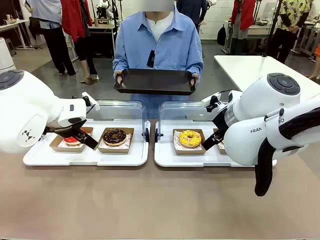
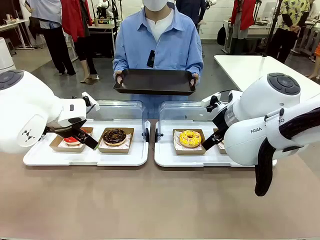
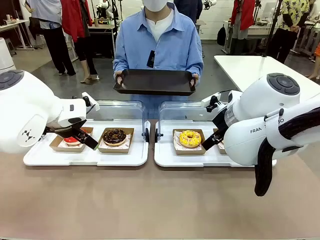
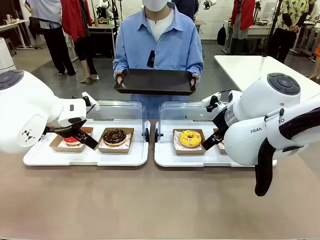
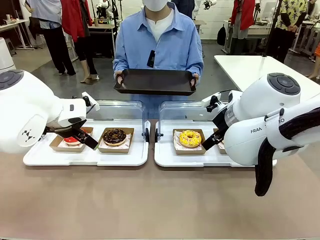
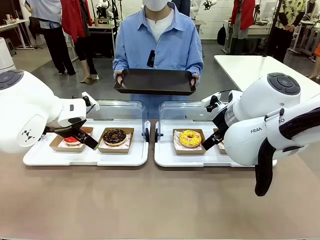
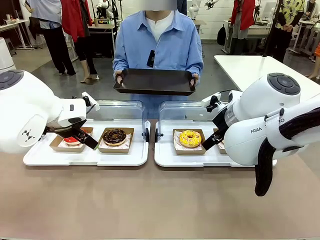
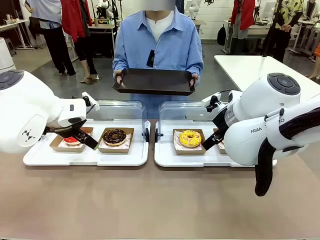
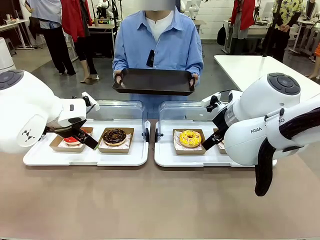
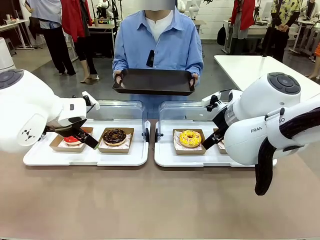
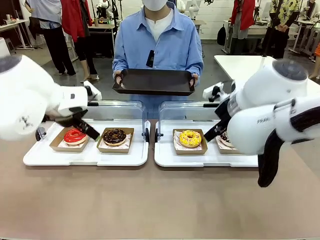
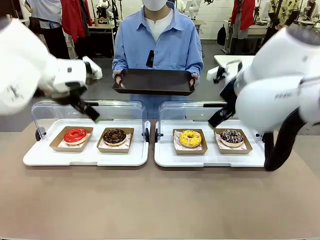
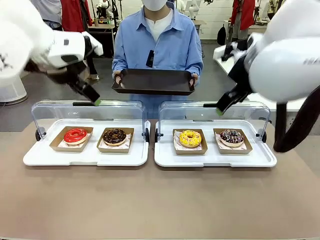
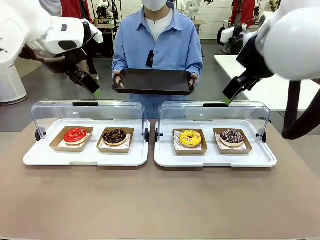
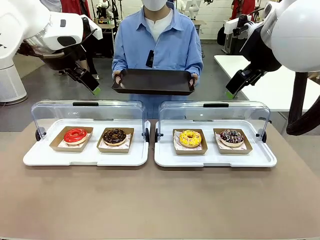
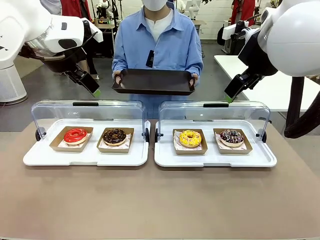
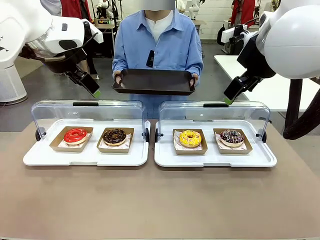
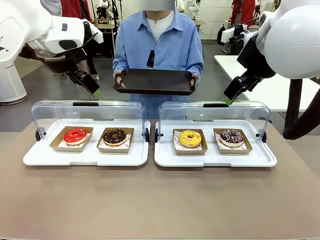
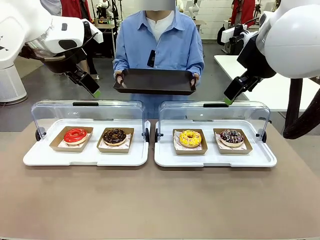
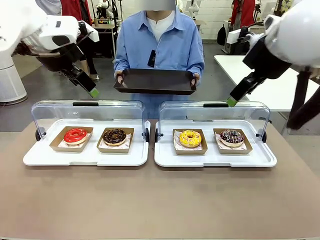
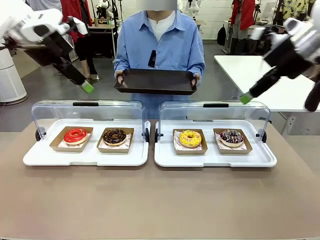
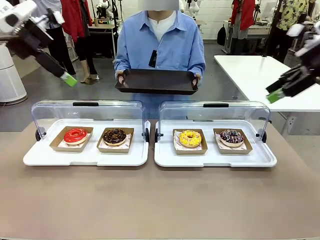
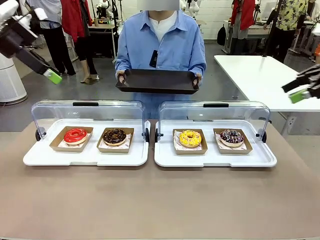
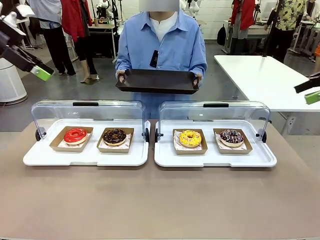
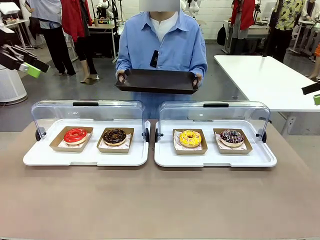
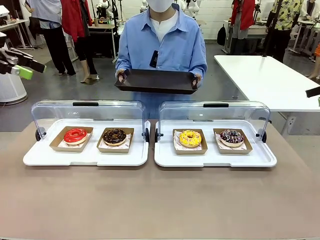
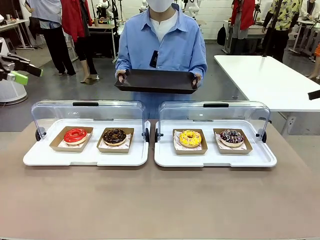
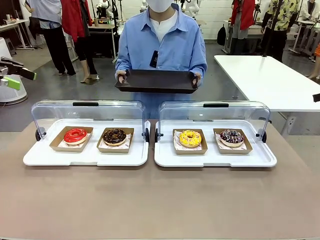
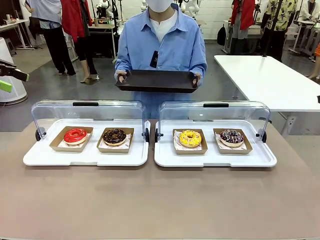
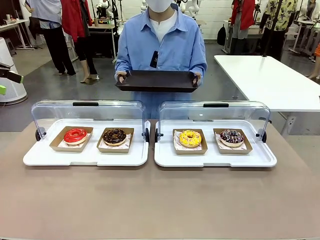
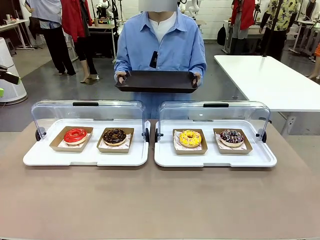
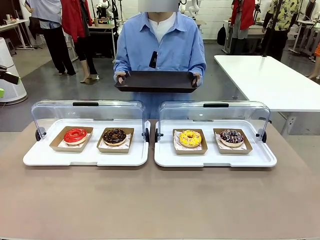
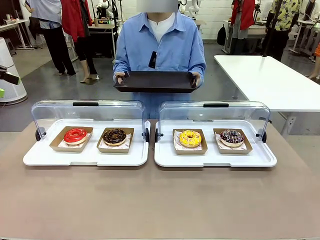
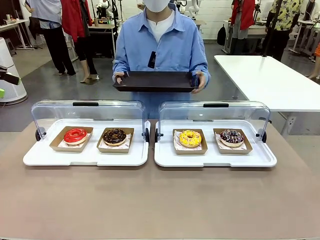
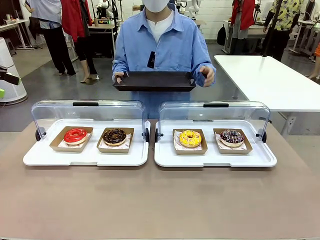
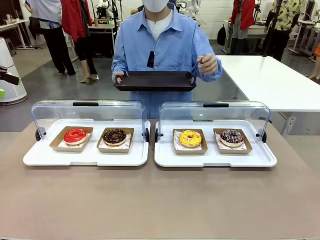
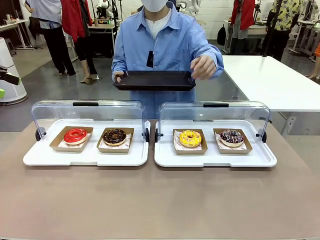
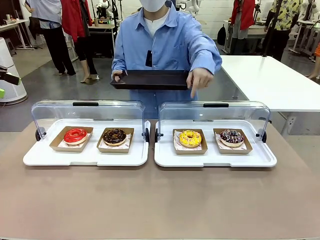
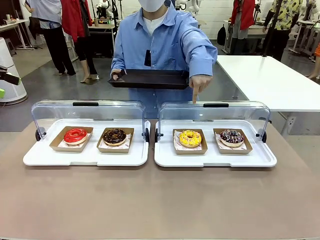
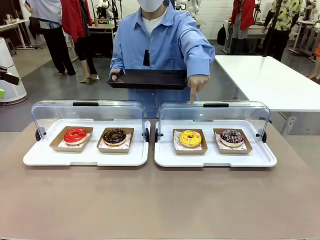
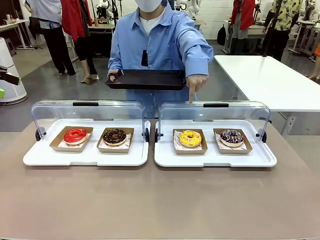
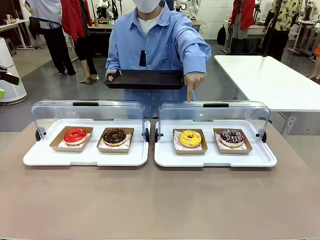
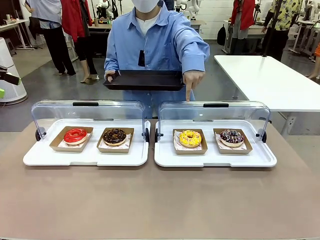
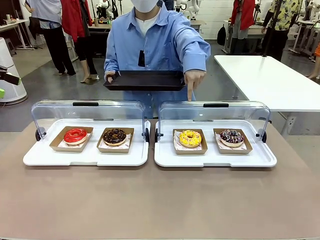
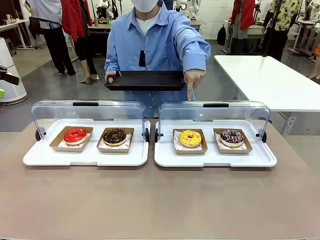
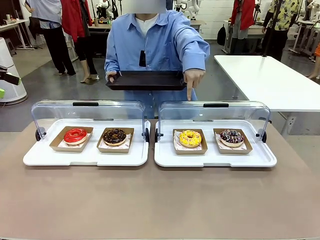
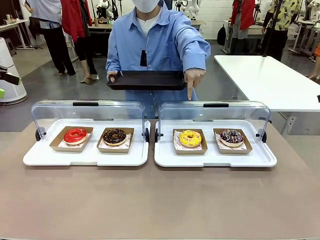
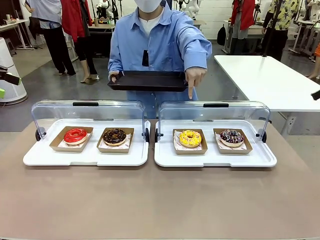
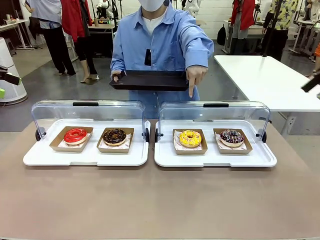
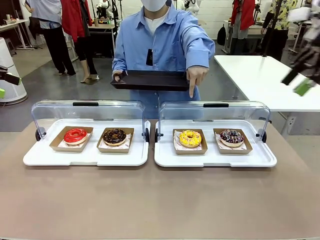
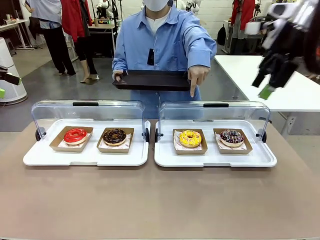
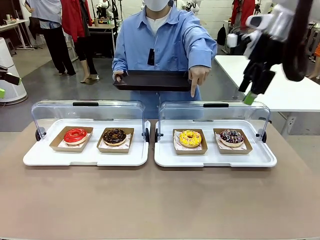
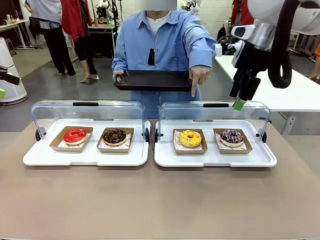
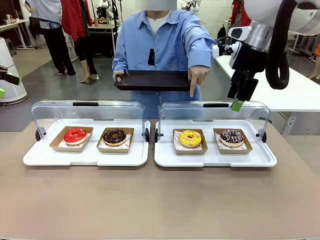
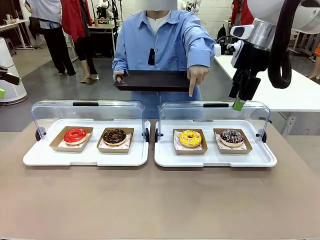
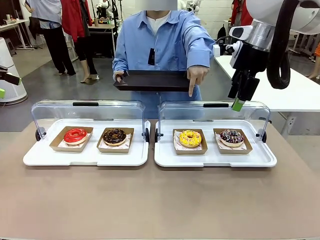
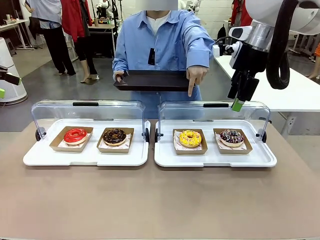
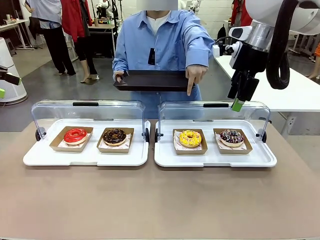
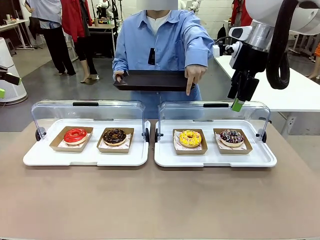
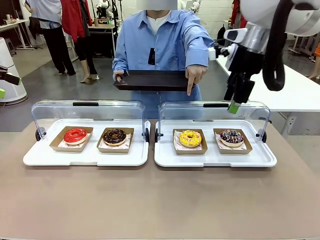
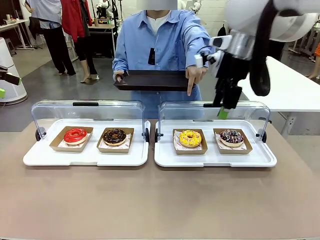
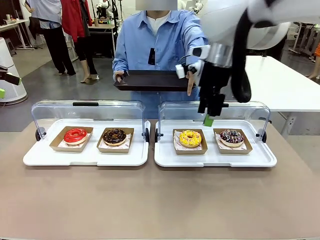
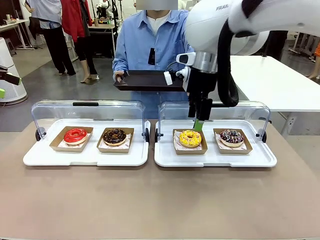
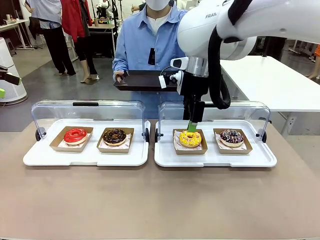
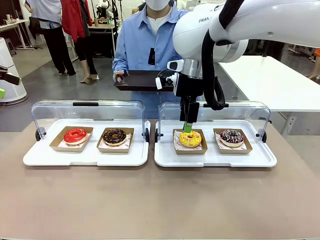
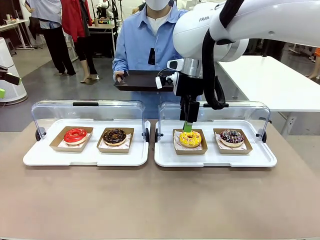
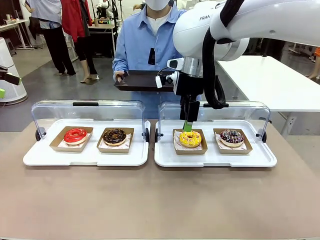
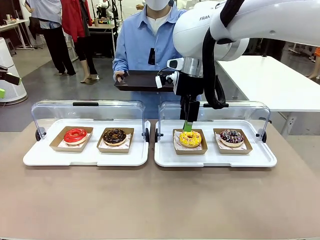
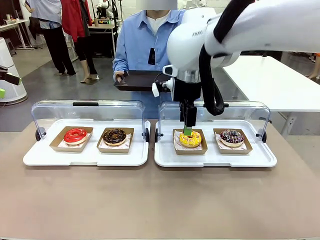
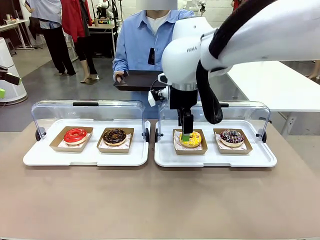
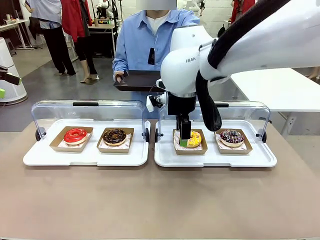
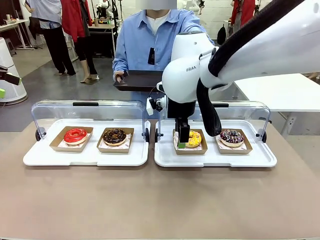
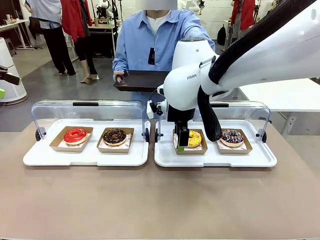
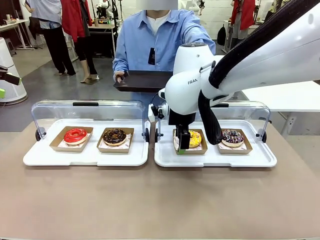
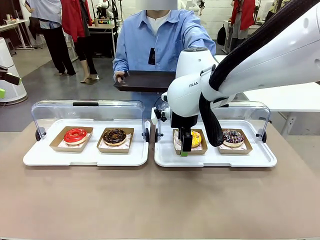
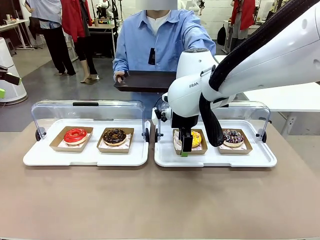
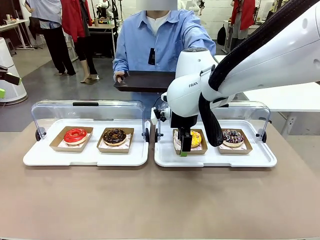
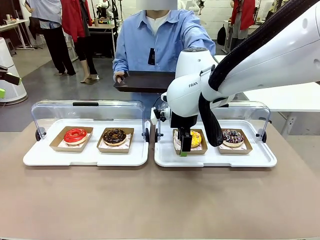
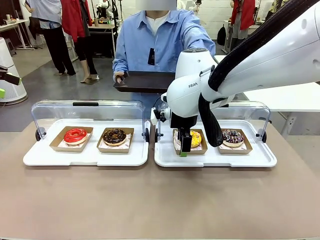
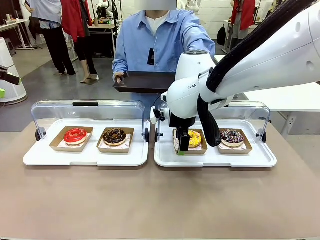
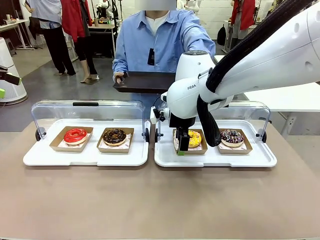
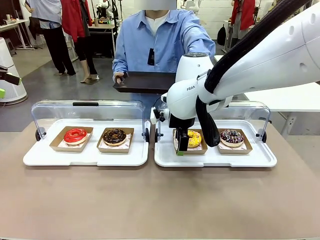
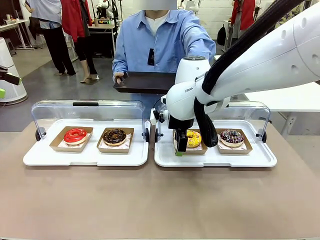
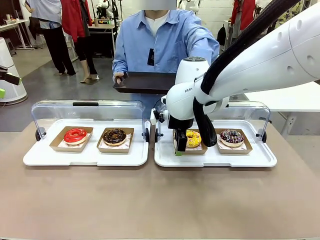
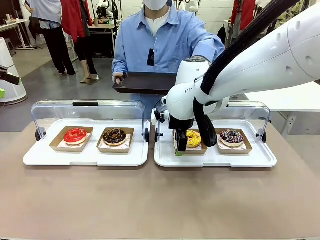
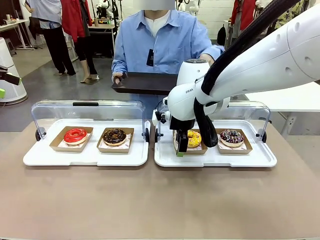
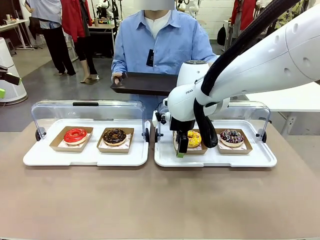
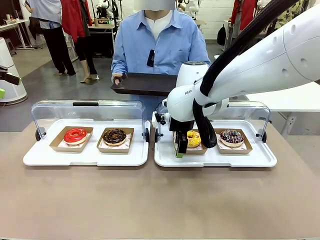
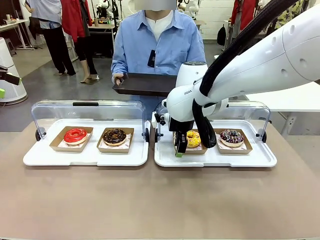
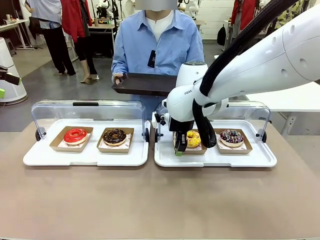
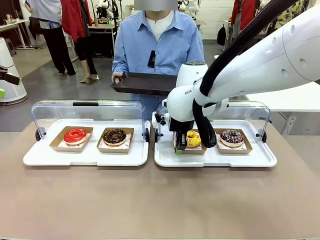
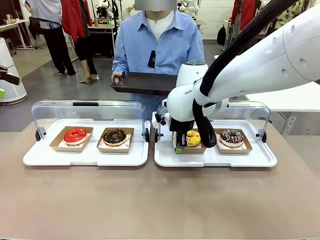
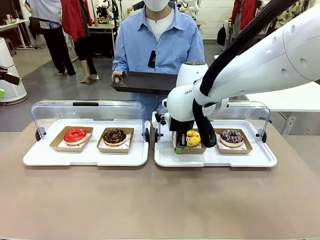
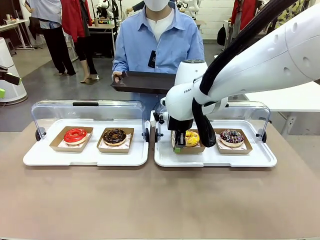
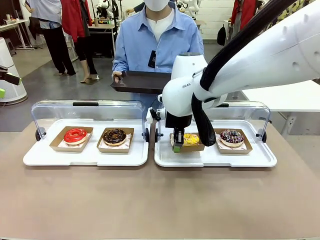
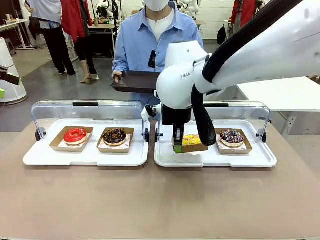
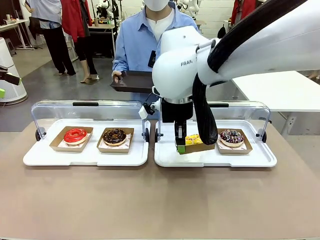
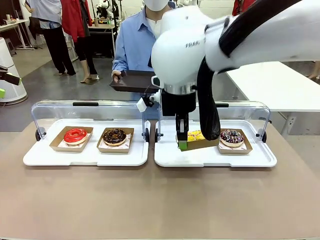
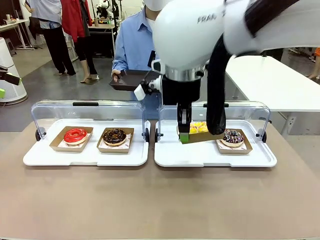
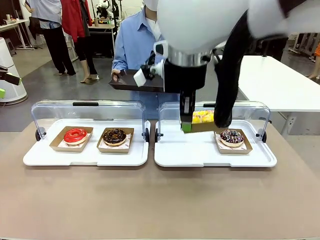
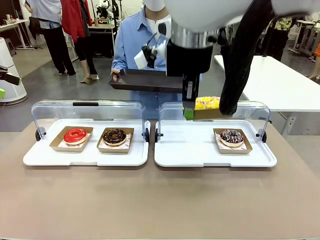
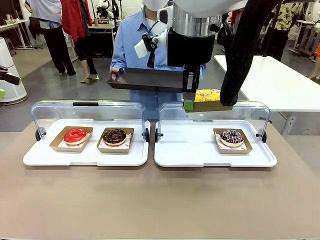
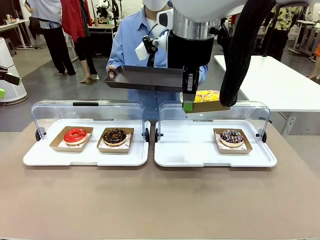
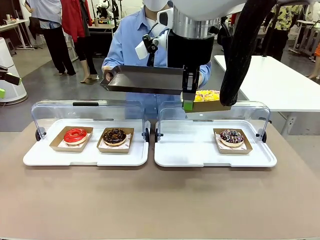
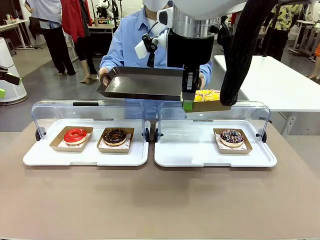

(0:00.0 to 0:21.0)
Task: Provide the desired donut to the person.
Robot: Pick up and lift the Paper togo box containing the Donut pointed at by the person.
Person: Point to one donut. Lift the tray onto the Roll-Top Bakery Case.
